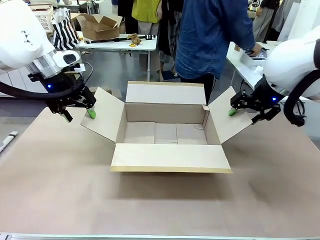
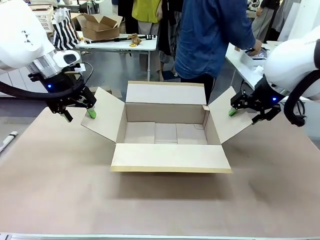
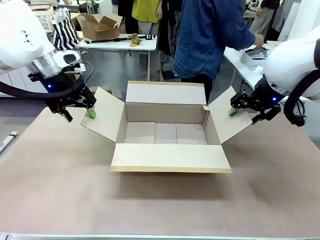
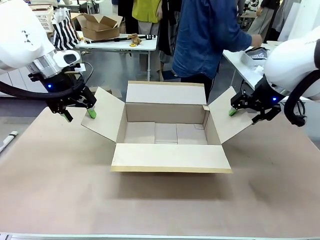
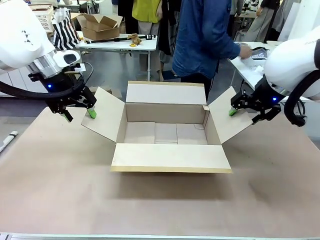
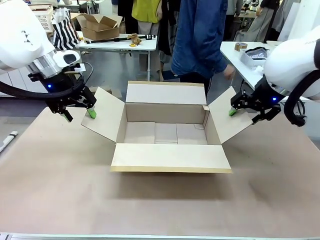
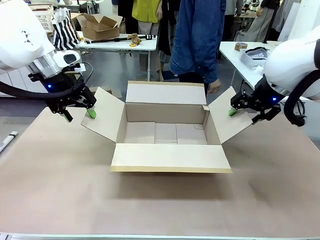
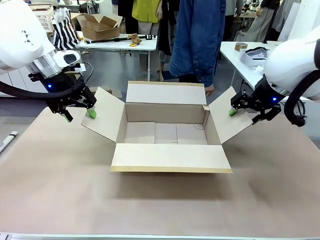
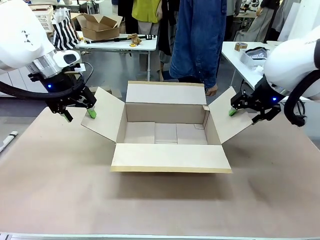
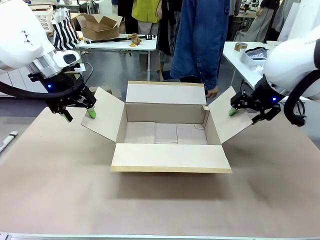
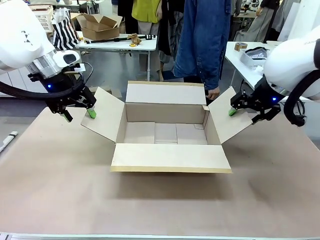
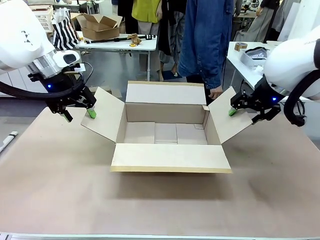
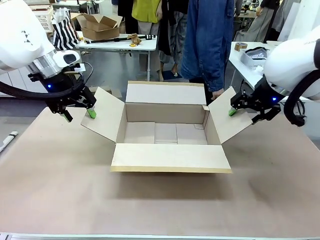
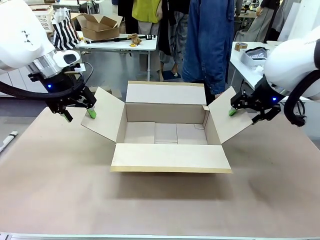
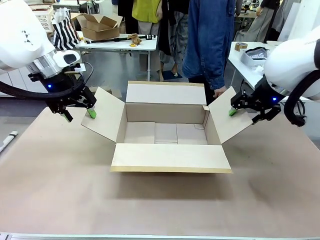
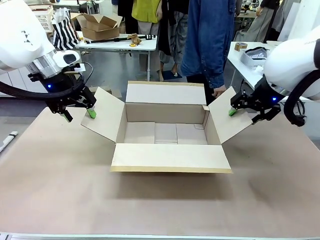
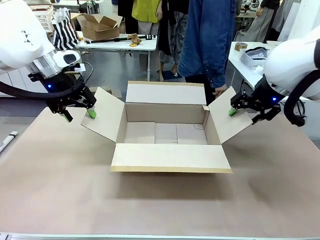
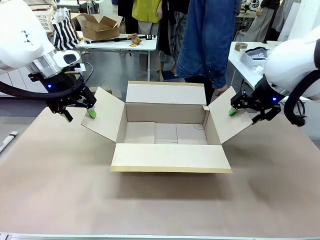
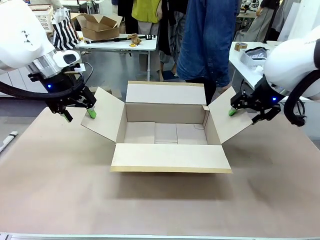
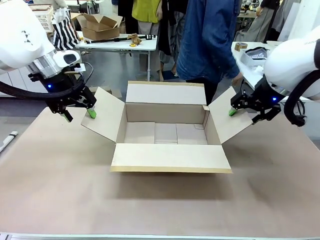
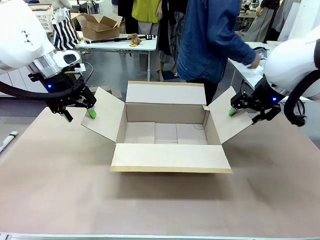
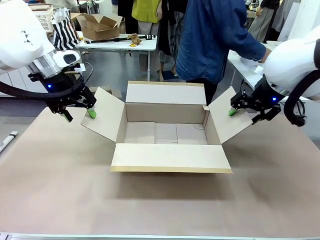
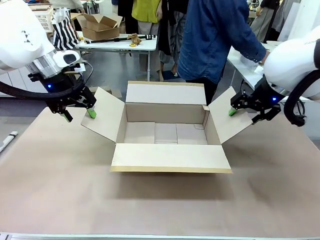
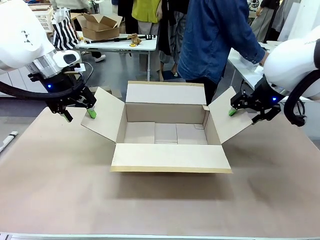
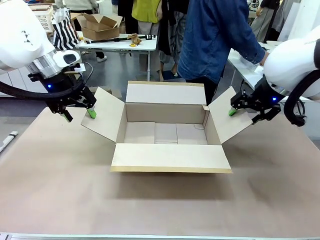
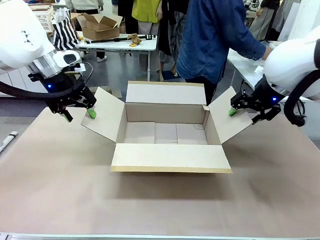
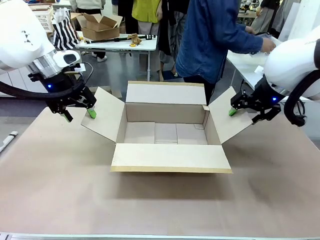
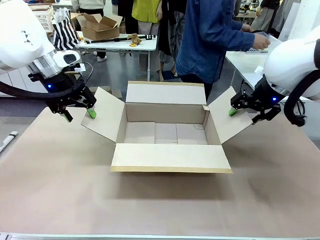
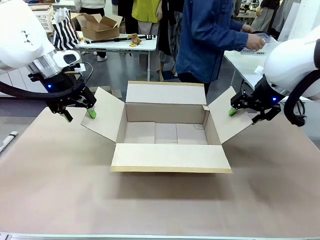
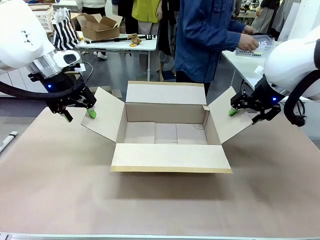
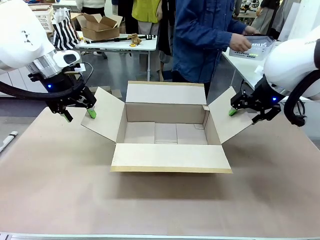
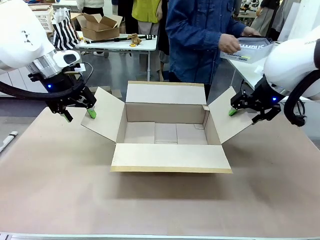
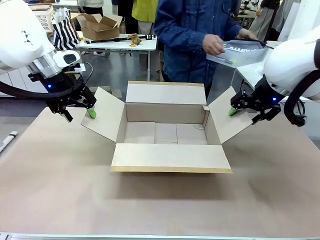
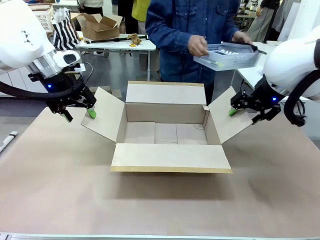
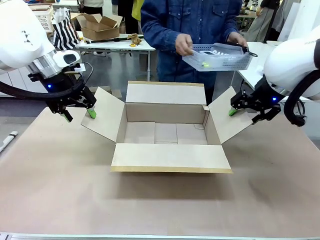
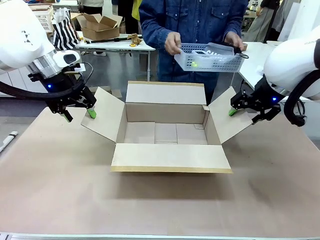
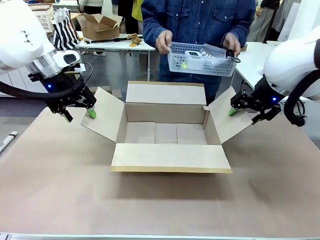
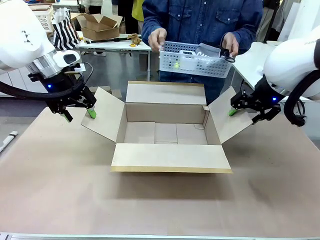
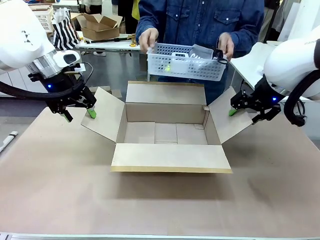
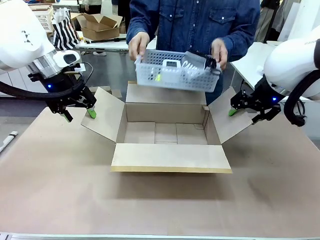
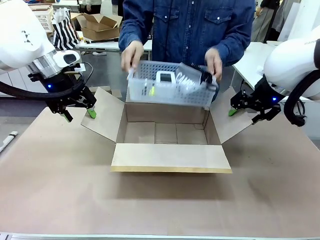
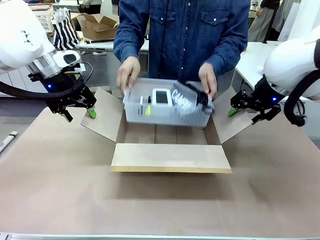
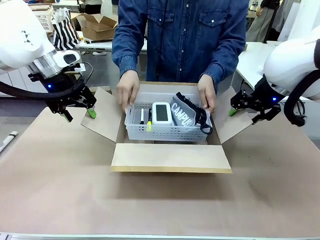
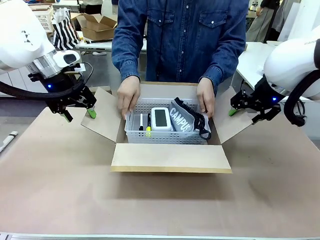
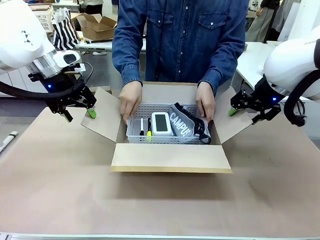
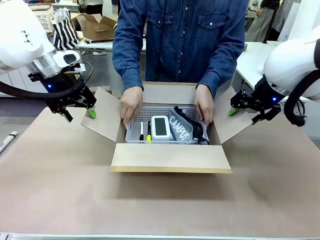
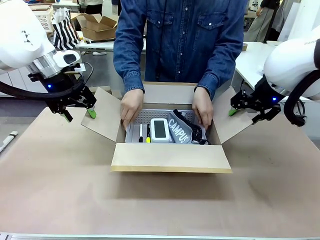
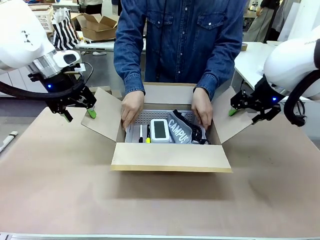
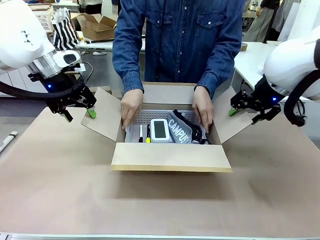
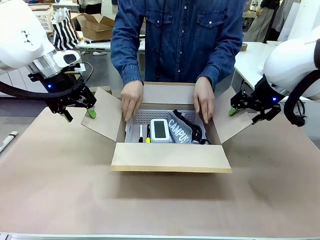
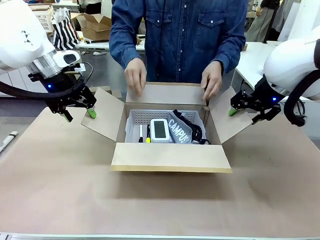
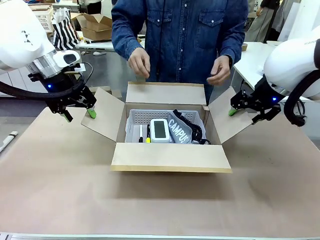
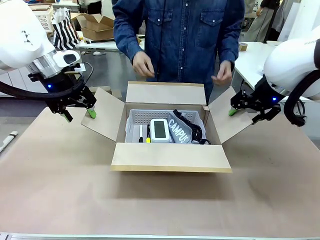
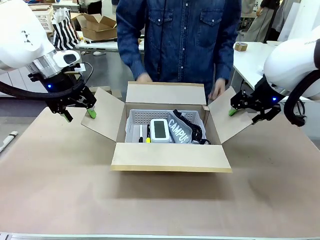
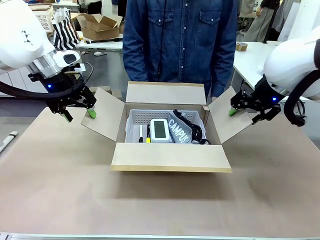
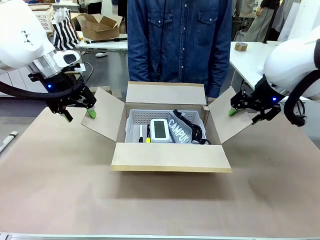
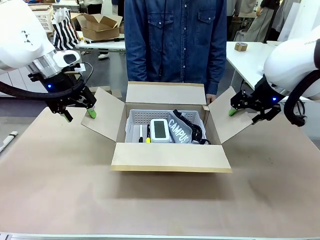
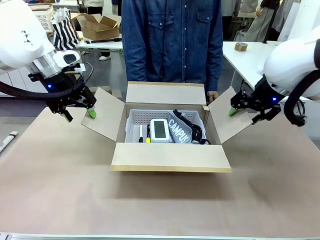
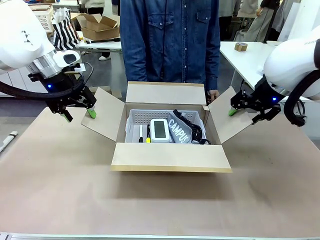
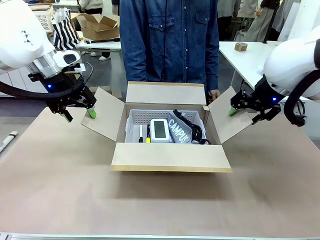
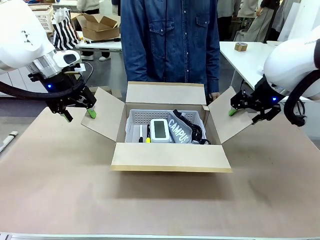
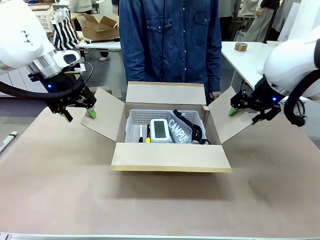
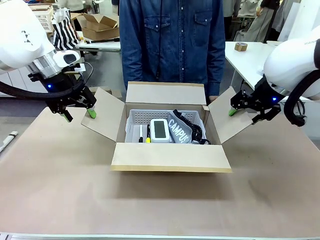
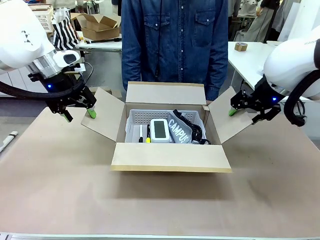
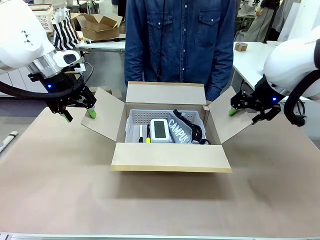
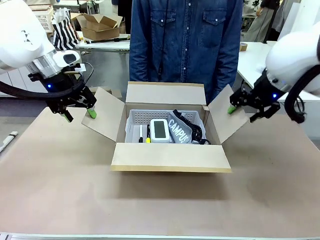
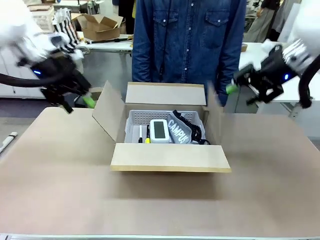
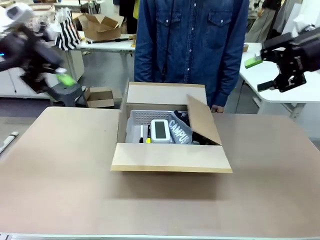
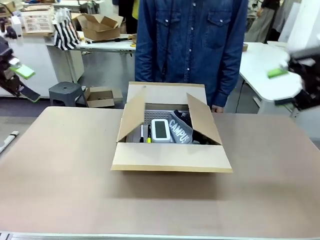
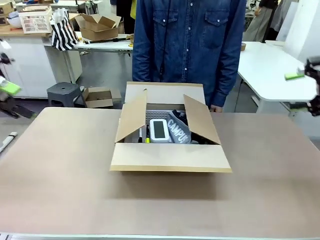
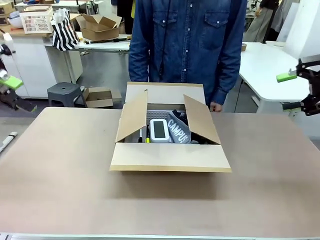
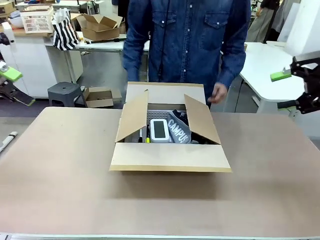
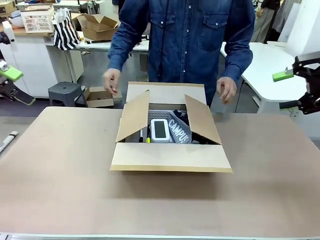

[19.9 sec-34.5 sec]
Task: Pack the gift set into the box.
Robot: Lift both hands away from the flaps of the Package Box.
Person: The human picks up the organizing basket and places the organizing basket into the package box on the robot table.
